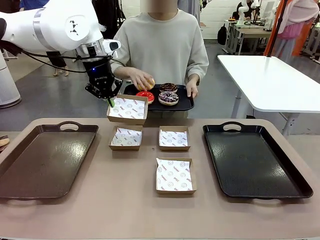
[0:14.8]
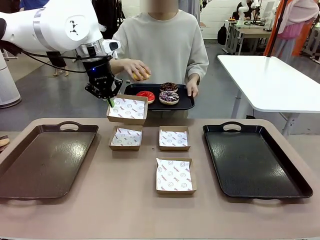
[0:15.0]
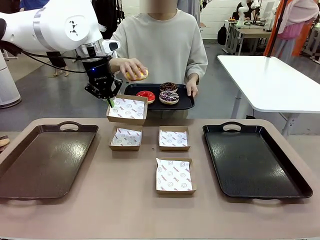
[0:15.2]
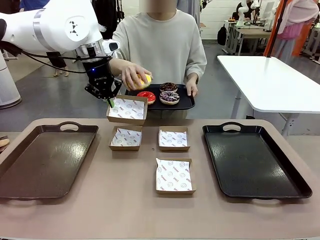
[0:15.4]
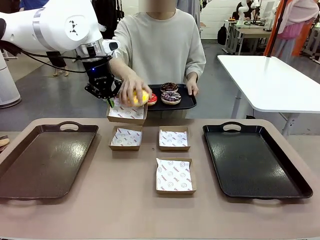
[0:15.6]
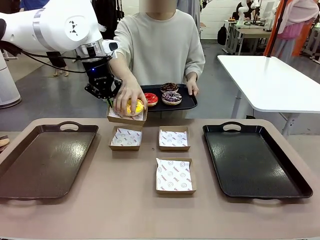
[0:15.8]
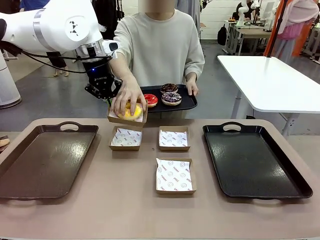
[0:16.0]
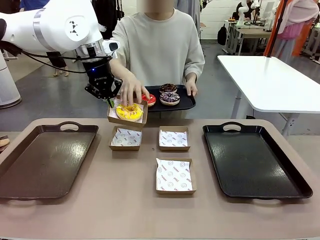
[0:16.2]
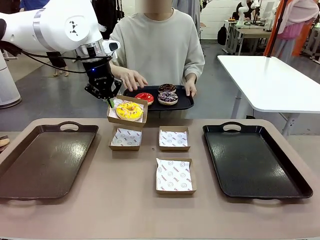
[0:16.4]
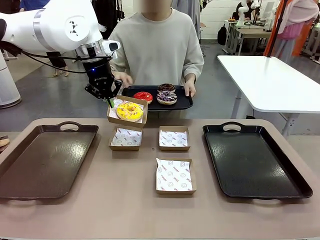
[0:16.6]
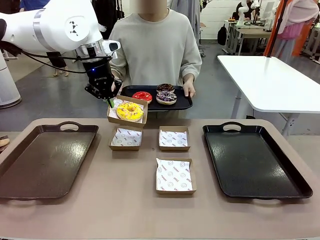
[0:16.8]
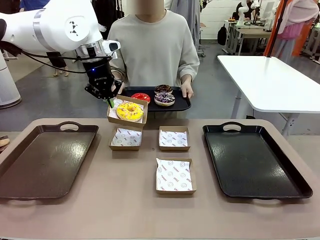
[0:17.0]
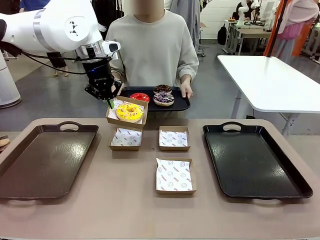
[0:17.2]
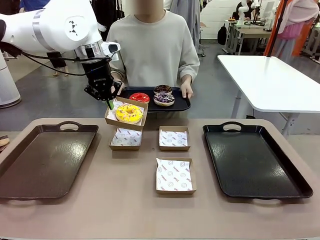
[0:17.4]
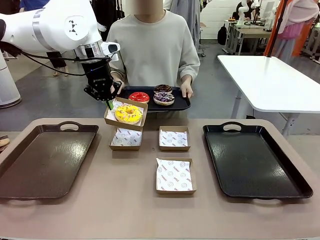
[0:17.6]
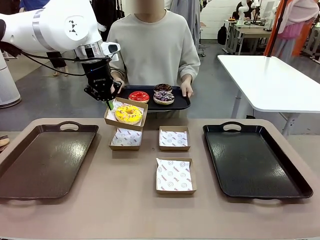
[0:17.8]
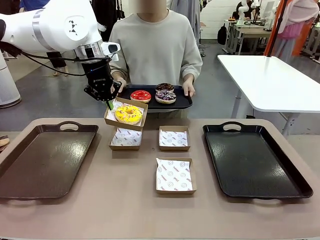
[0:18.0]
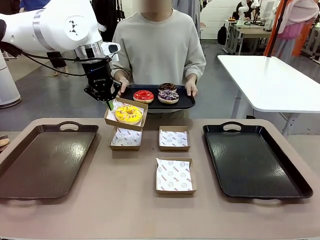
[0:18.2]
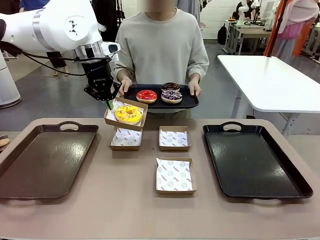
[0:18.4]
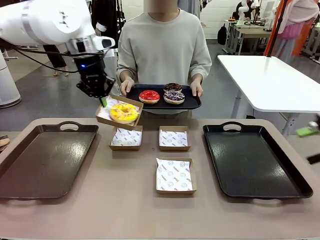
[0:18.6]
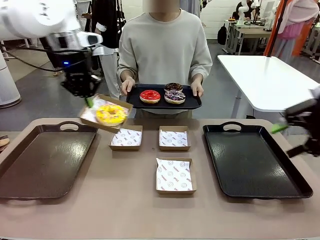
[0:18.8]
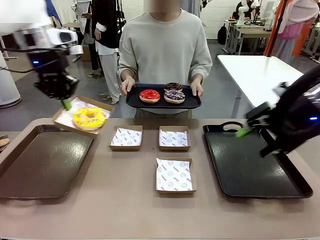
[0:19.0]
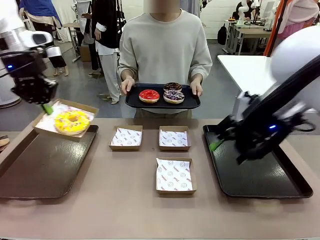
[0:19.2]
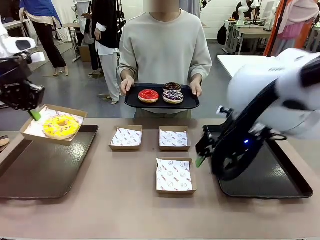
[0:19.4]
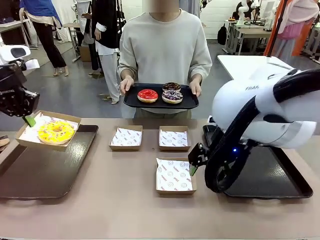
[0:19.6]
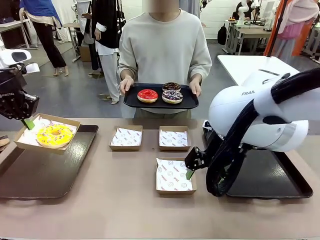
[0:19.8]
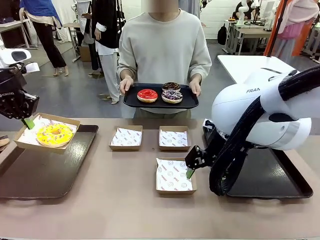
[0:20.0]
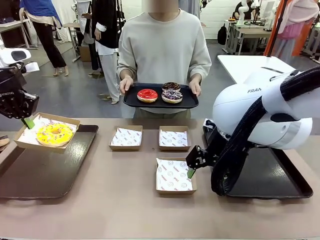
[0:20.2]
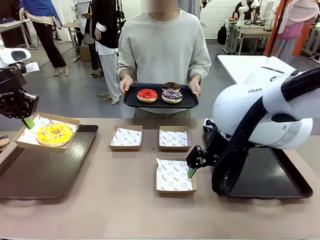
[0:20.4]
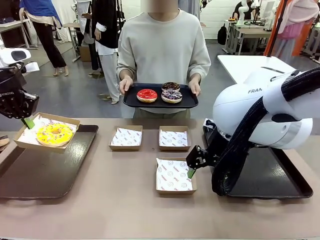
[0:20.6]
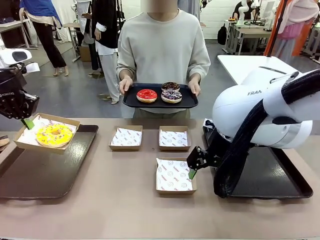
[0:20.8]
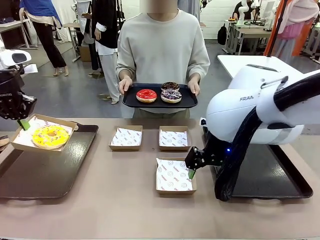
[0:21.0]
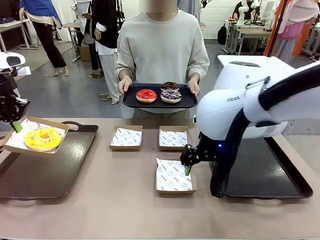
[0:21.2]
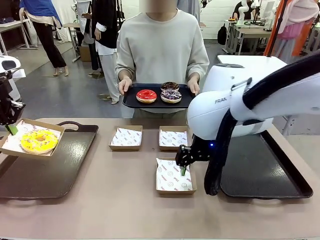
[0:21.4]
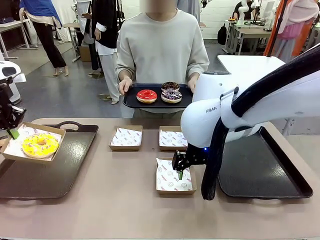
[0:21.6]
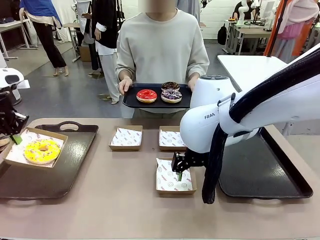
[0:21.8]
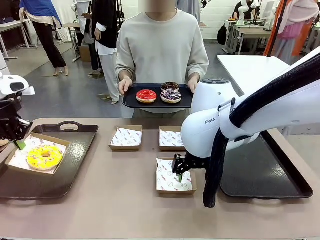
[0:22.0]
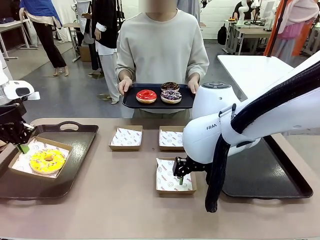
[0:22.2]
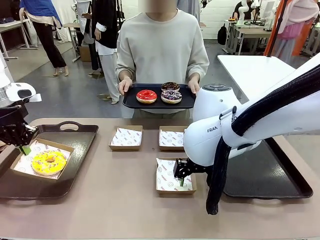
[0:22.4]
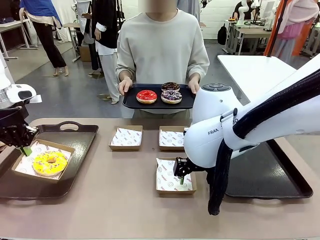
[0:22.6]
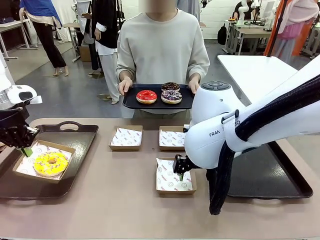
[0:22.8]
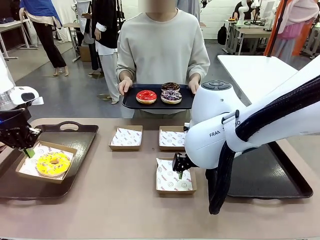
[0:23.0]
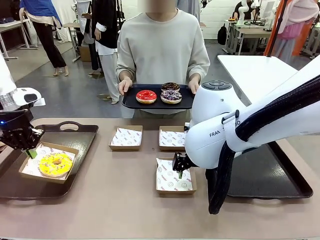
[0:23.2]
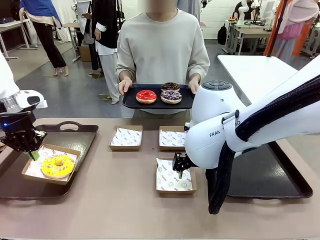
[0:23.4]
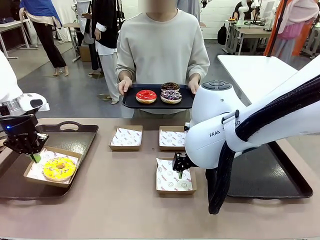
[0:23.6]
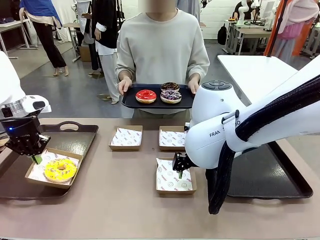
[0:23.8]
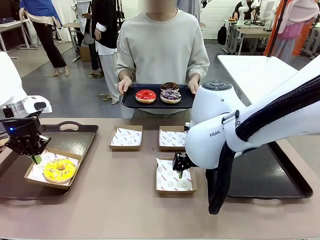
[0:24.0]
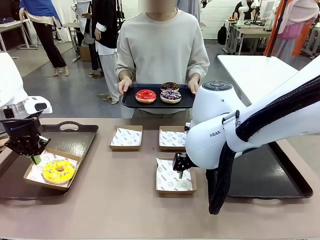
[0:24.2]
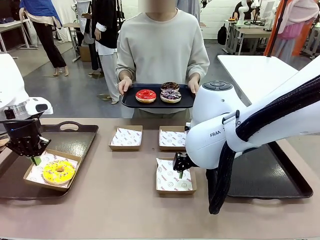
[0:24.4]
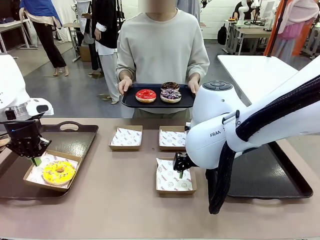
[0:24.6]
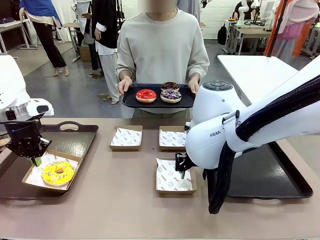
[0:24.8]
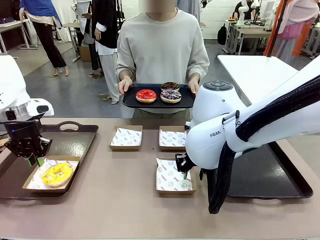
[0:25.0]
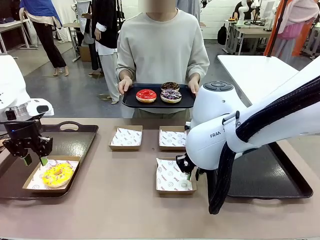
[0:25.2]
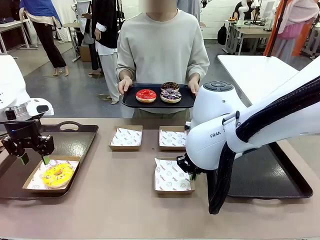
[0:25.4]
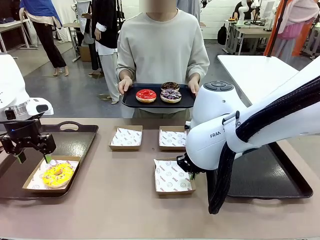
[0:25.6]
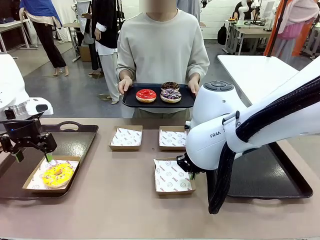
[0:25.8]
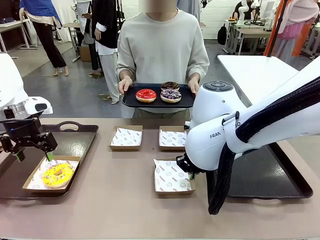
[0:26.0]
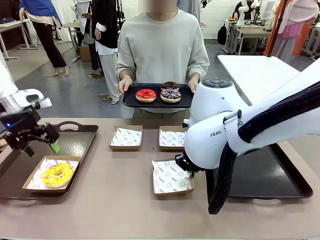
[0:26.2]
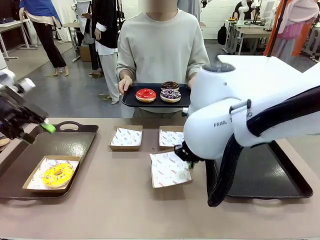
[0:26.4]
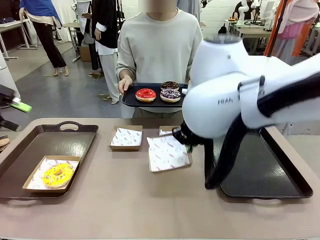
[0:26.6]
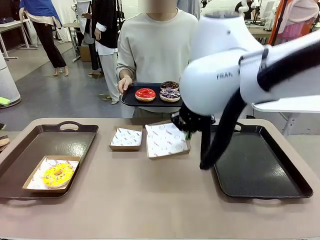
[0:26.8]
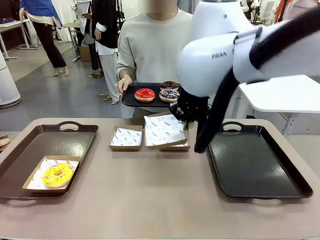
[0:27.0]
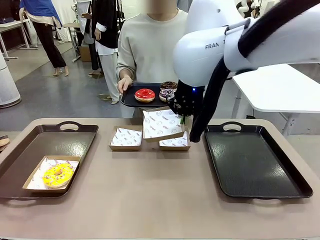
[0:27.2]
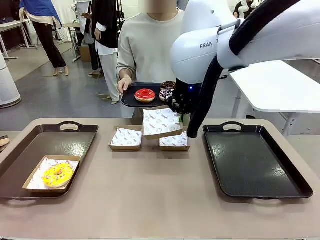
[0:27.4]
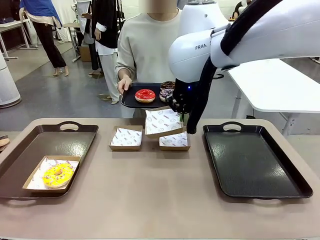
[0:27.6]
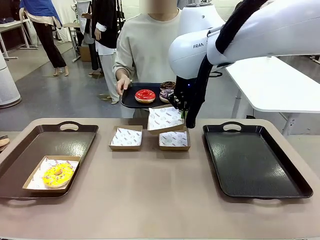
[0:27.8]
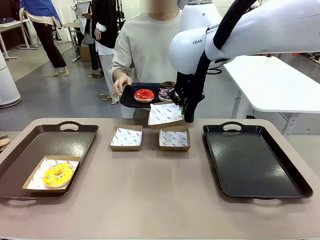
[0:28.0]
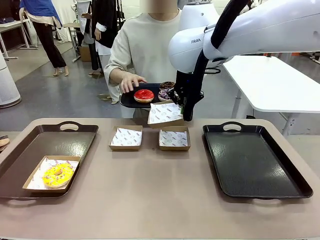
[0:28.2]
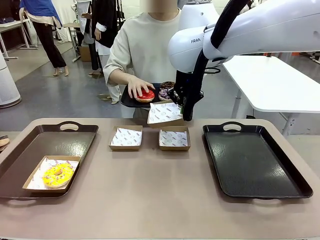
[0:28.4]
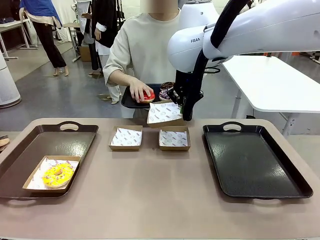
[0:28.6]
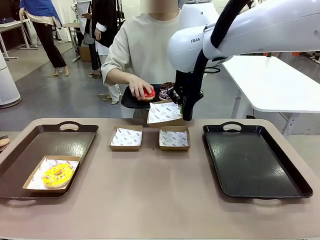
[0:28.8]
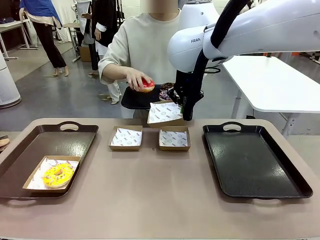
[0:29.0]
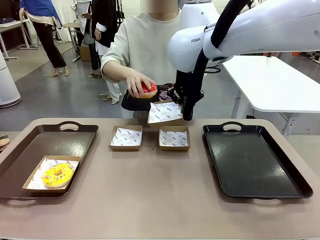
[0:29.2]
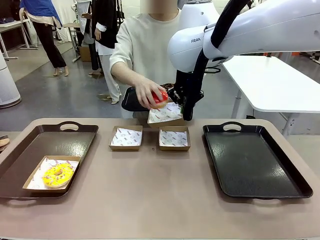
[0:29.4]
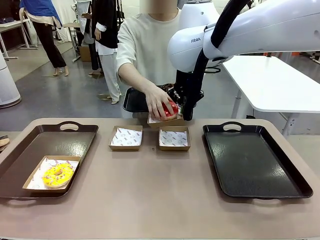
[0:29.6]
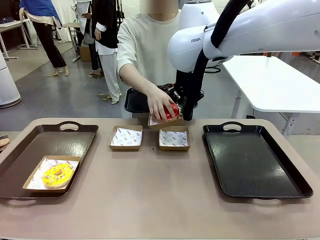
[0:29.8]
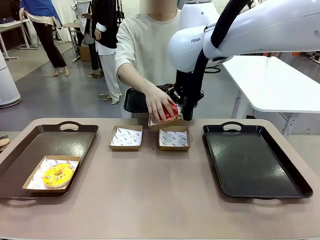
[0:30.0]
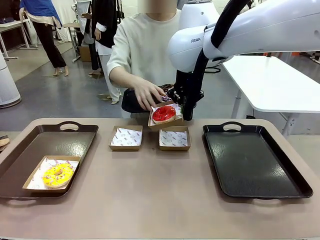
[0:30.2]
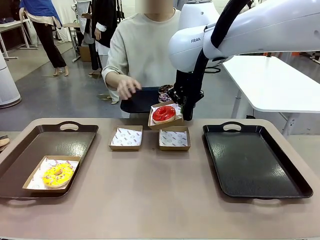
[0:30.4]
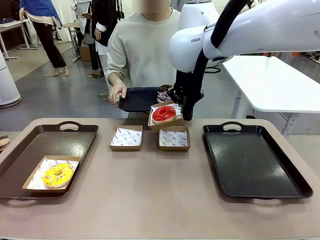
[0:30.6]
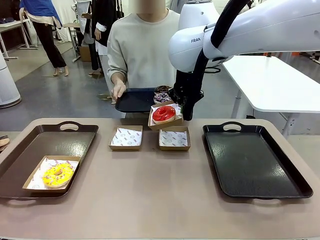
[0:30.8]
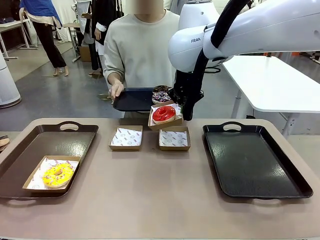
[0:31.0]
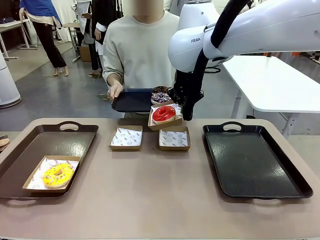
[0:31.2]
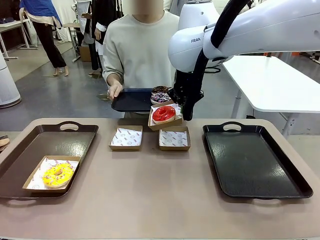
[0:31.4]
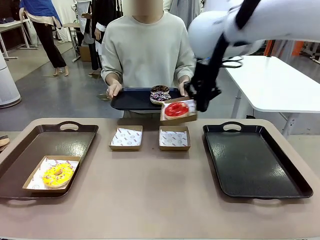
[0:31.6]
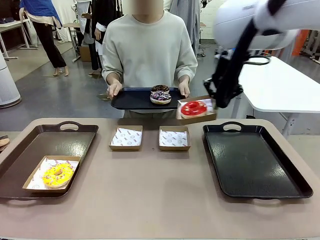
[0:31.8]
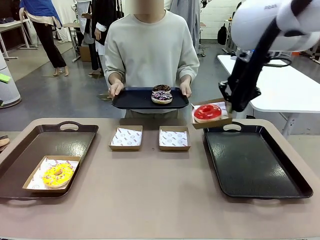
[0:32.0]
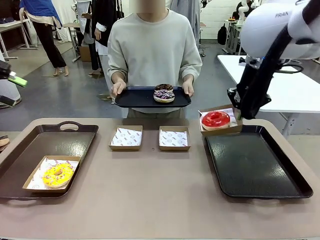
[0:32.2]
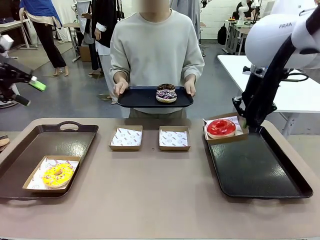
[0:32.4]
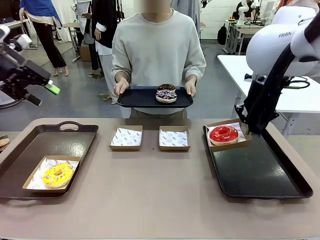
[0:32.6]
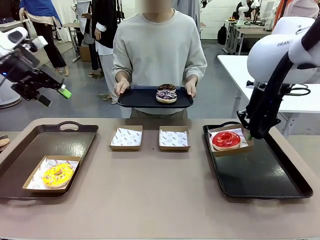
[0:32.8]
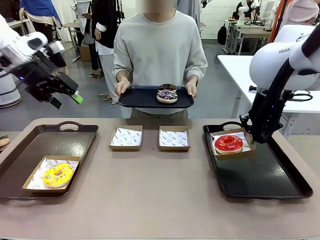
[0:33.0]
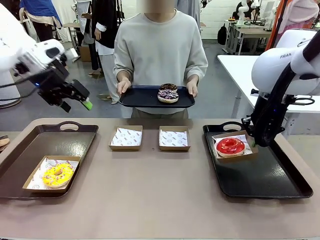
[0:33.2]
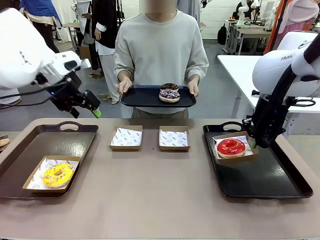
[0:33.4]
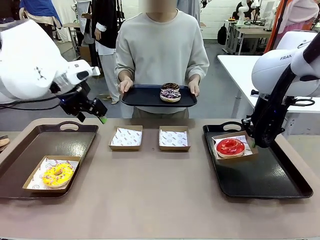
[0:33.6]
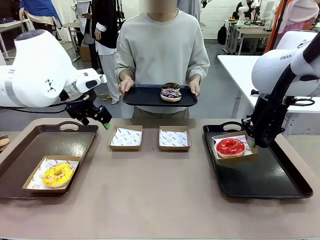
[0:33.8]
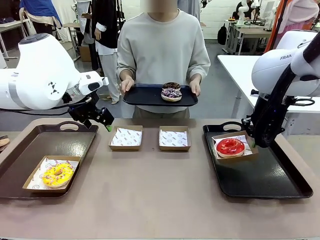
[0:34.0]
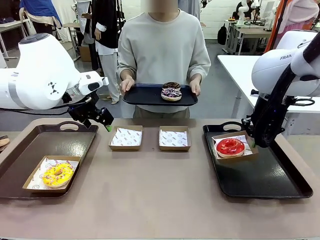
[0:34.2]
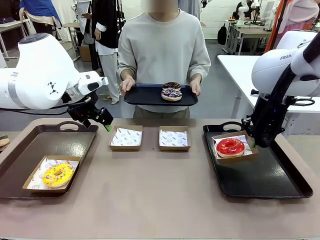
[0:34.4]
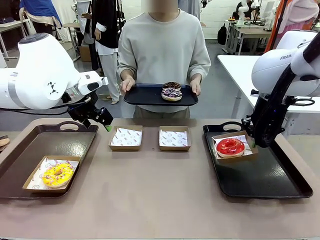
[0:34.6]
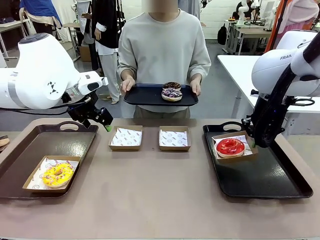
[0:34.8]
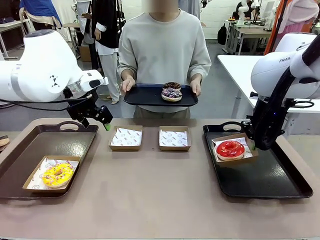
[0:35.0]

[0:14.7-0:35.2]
Task: Individually package the donuts and arrange them on the tray.
Robot: Place the picked Paper togo box on the Handle tray while simultaneously picking up another Paper togo box from the table with the other hand.
